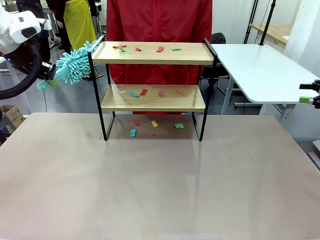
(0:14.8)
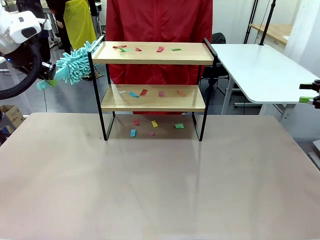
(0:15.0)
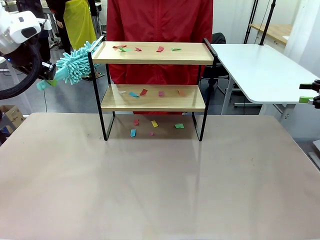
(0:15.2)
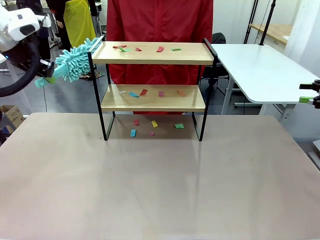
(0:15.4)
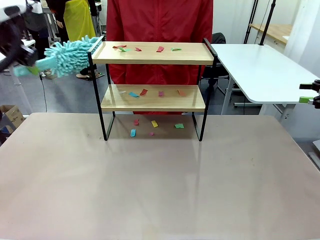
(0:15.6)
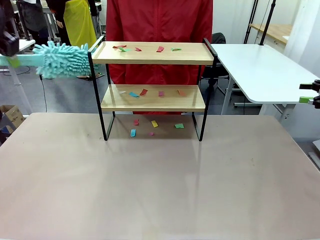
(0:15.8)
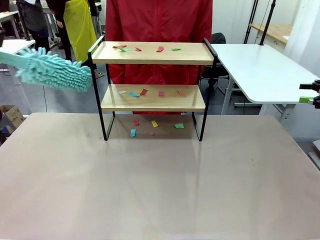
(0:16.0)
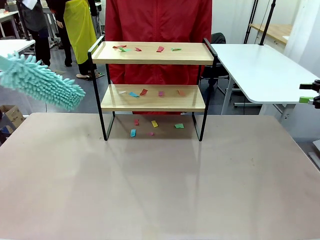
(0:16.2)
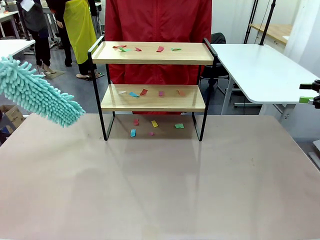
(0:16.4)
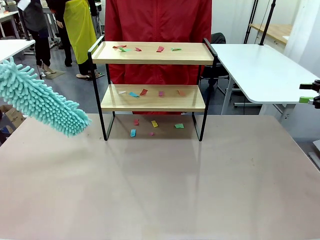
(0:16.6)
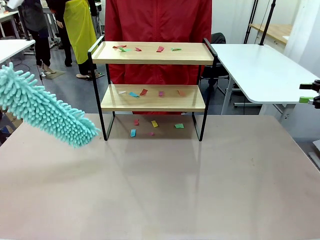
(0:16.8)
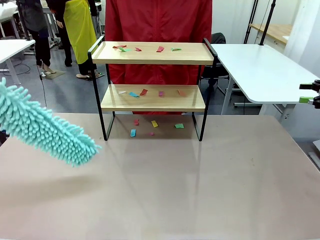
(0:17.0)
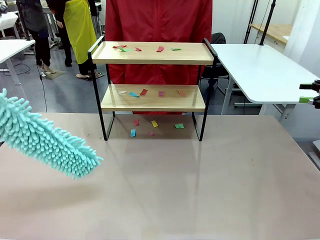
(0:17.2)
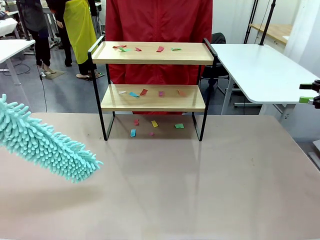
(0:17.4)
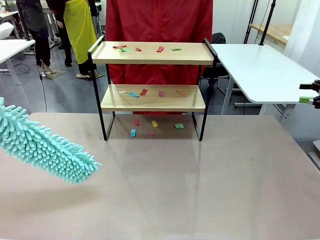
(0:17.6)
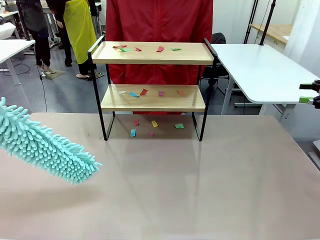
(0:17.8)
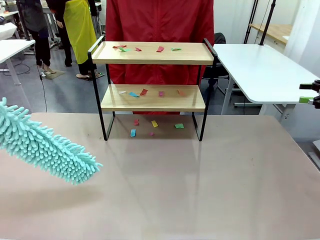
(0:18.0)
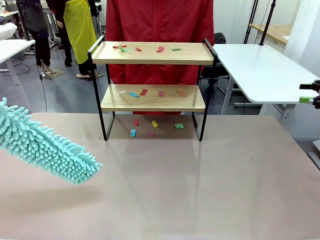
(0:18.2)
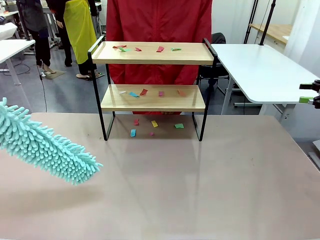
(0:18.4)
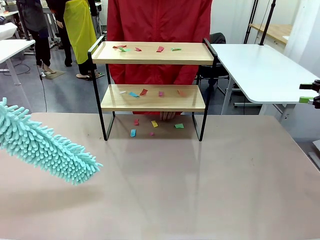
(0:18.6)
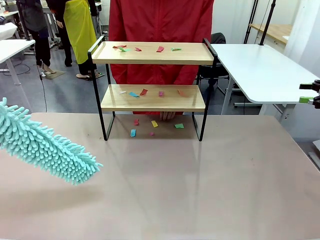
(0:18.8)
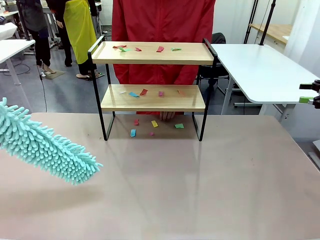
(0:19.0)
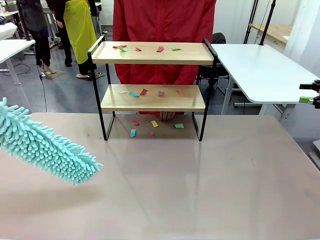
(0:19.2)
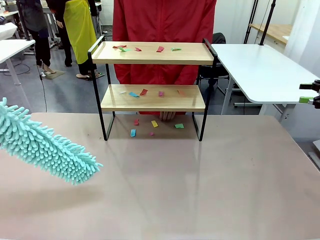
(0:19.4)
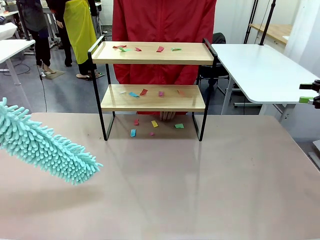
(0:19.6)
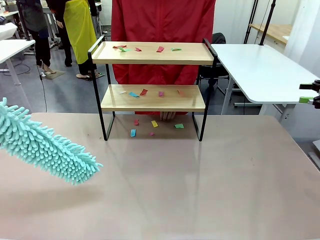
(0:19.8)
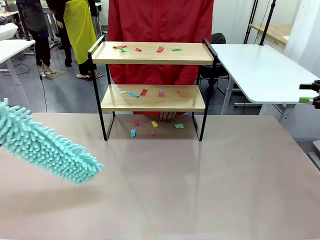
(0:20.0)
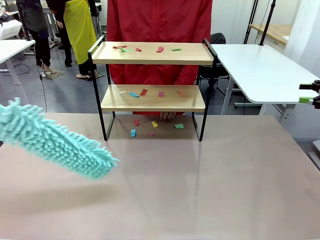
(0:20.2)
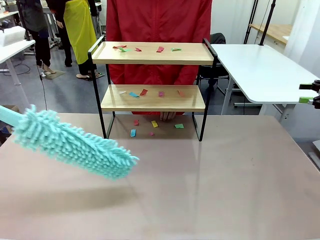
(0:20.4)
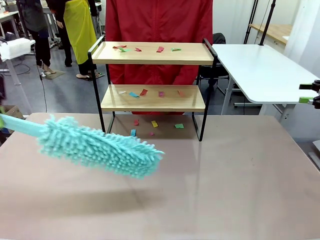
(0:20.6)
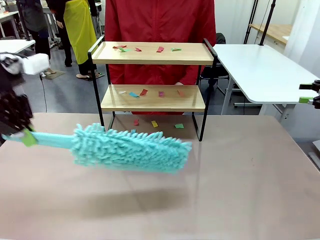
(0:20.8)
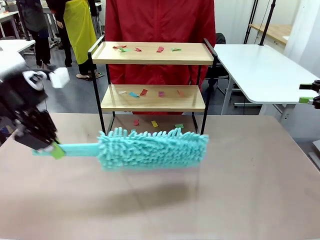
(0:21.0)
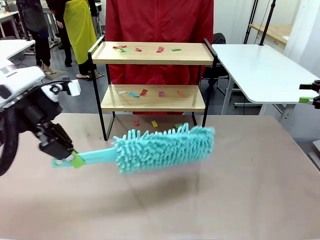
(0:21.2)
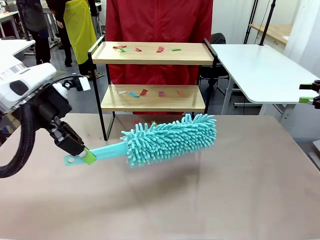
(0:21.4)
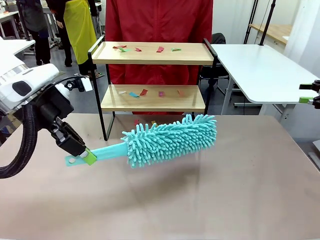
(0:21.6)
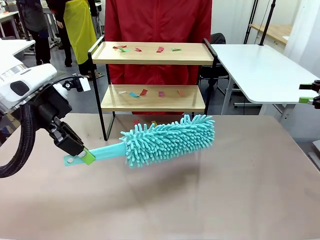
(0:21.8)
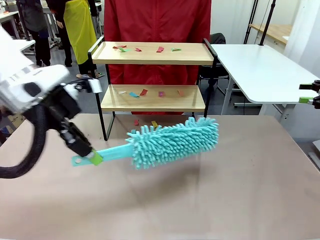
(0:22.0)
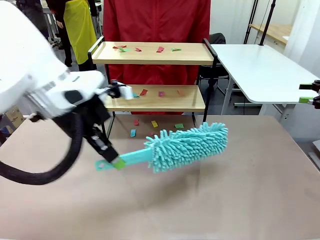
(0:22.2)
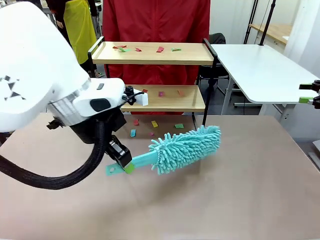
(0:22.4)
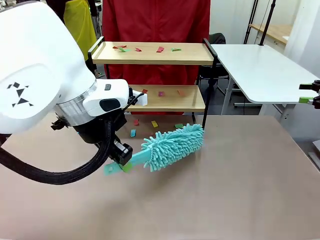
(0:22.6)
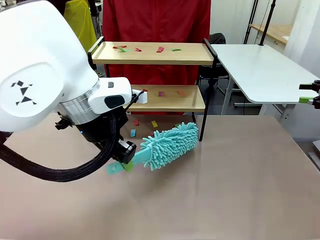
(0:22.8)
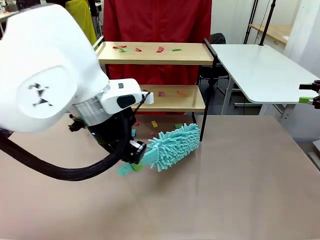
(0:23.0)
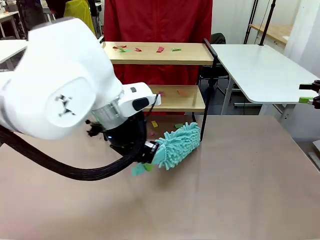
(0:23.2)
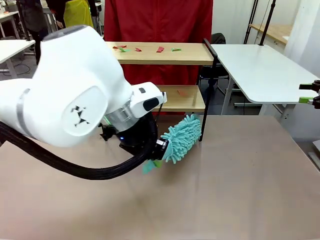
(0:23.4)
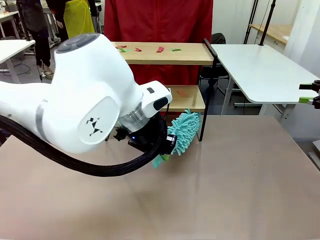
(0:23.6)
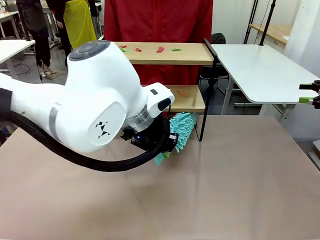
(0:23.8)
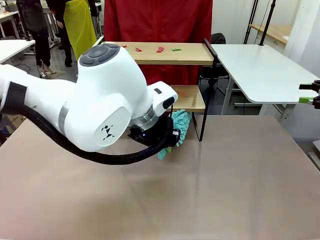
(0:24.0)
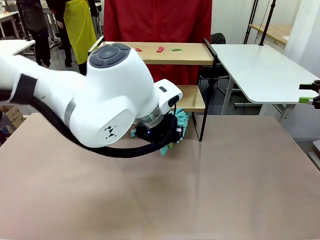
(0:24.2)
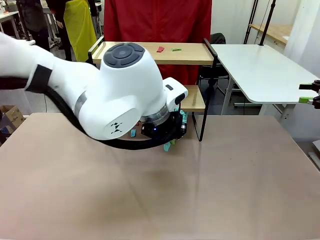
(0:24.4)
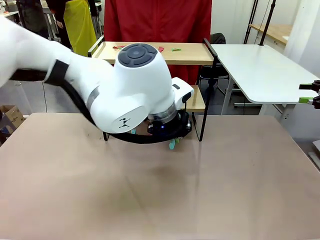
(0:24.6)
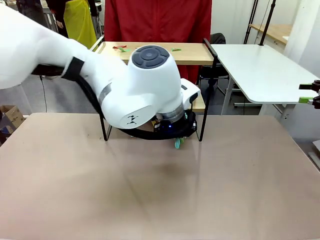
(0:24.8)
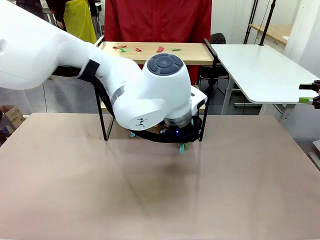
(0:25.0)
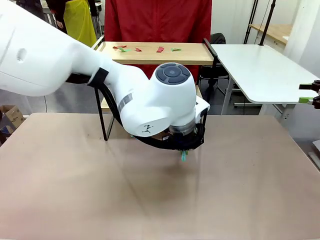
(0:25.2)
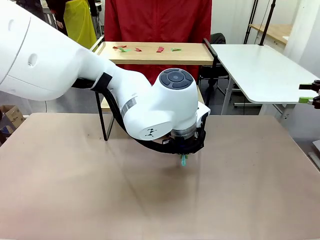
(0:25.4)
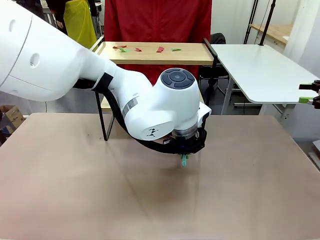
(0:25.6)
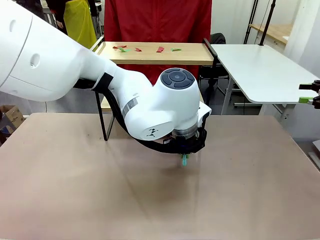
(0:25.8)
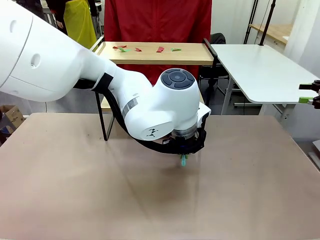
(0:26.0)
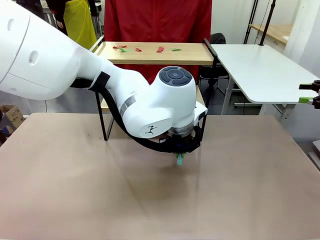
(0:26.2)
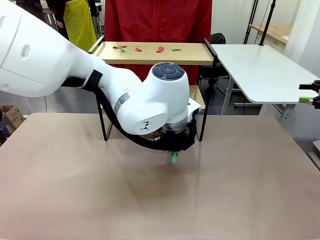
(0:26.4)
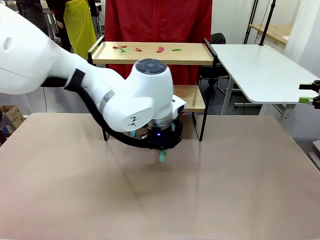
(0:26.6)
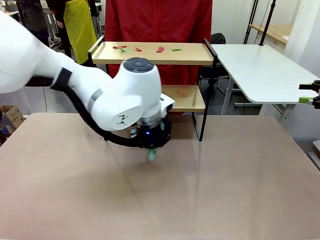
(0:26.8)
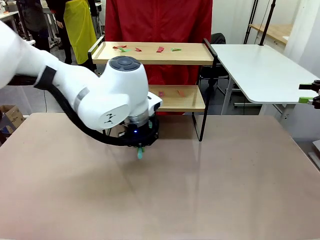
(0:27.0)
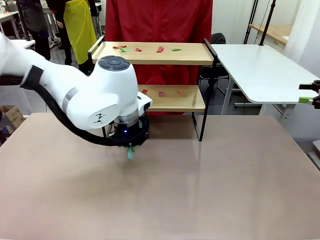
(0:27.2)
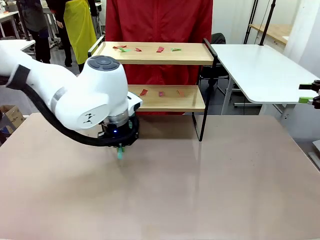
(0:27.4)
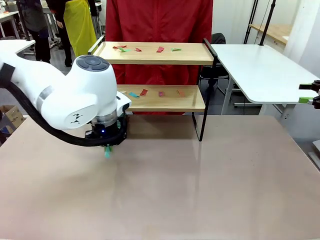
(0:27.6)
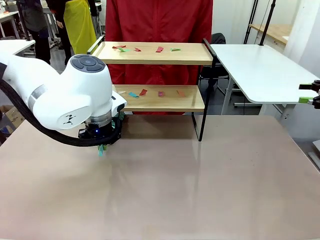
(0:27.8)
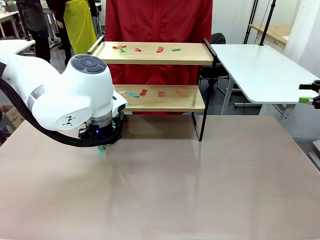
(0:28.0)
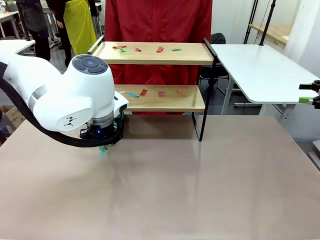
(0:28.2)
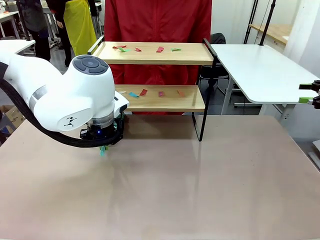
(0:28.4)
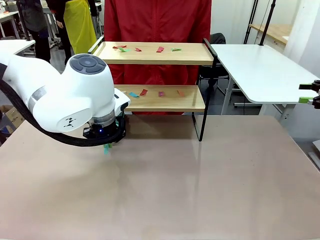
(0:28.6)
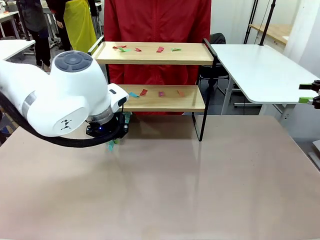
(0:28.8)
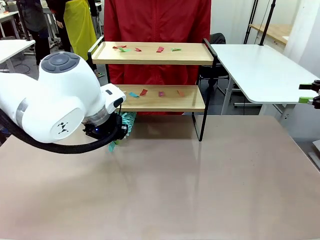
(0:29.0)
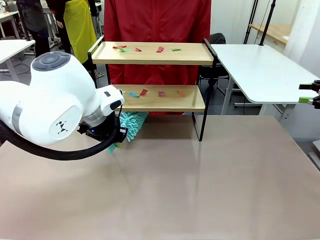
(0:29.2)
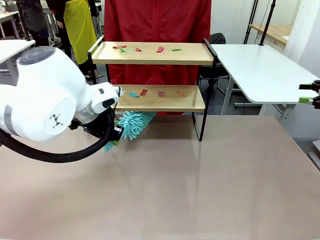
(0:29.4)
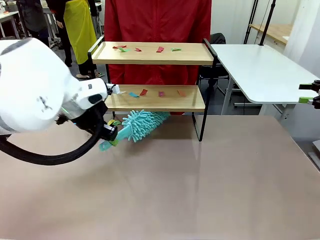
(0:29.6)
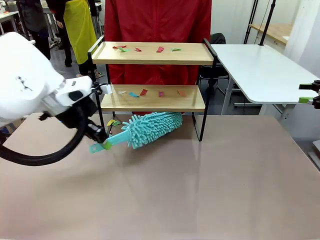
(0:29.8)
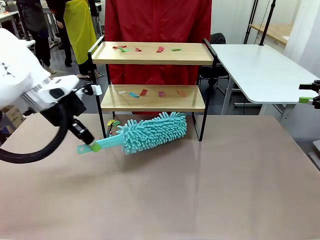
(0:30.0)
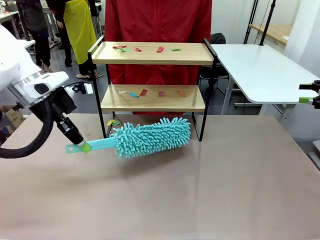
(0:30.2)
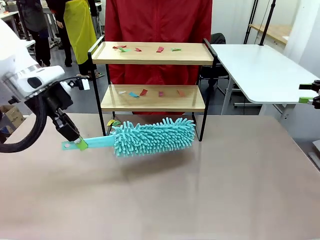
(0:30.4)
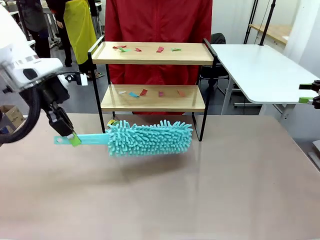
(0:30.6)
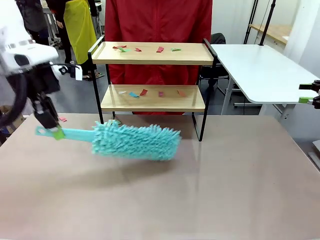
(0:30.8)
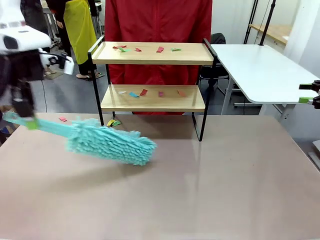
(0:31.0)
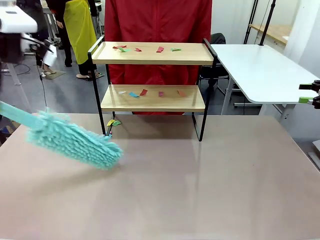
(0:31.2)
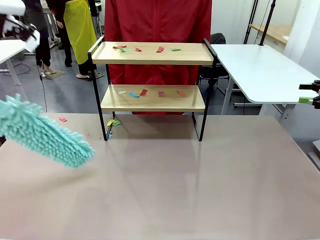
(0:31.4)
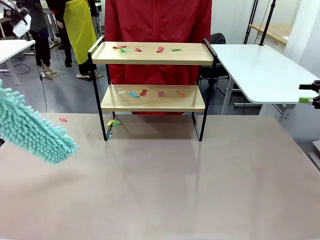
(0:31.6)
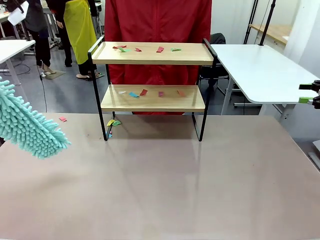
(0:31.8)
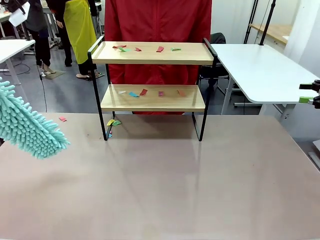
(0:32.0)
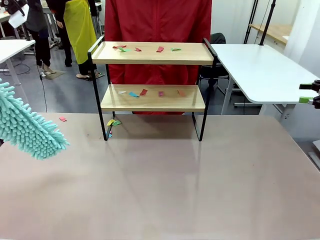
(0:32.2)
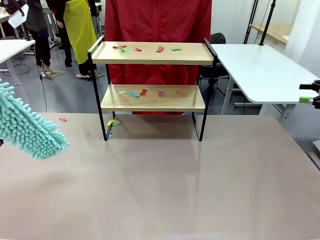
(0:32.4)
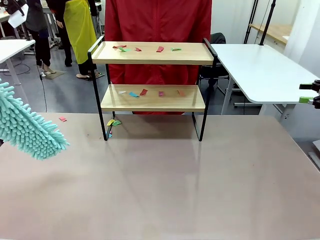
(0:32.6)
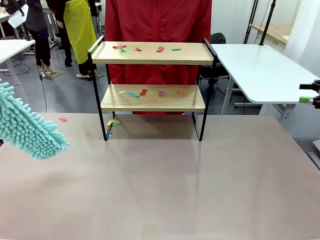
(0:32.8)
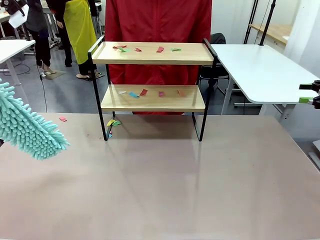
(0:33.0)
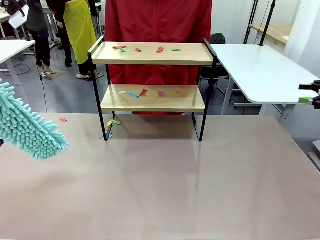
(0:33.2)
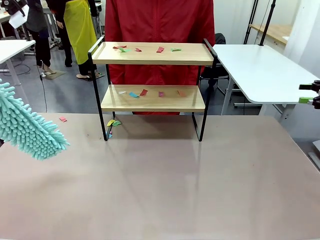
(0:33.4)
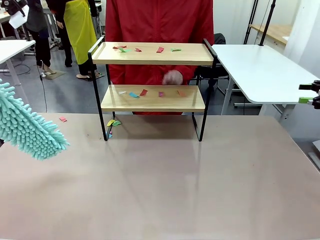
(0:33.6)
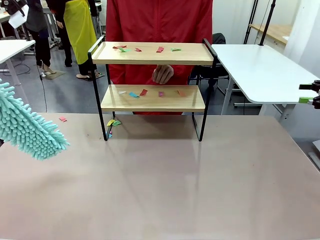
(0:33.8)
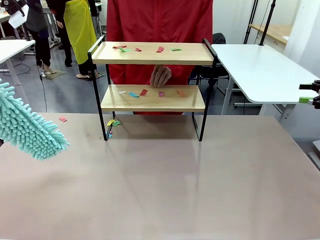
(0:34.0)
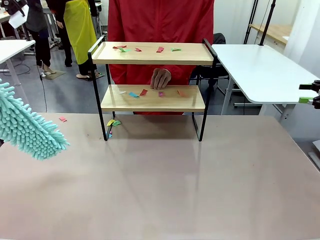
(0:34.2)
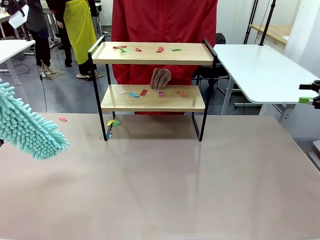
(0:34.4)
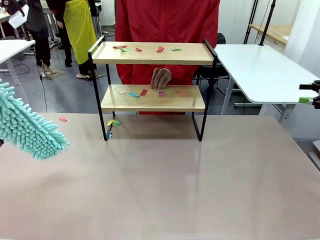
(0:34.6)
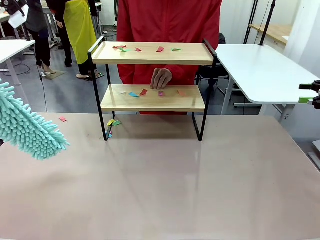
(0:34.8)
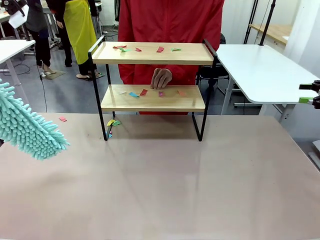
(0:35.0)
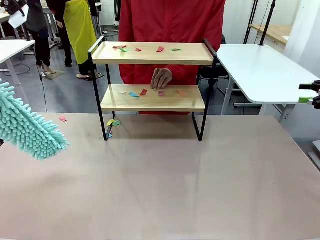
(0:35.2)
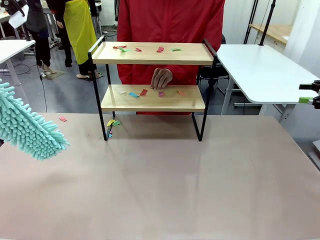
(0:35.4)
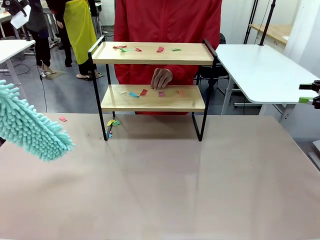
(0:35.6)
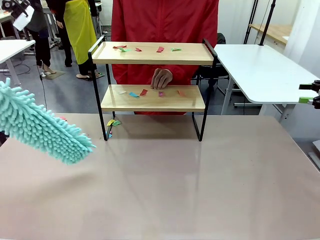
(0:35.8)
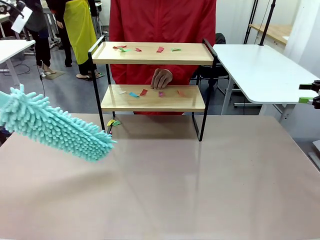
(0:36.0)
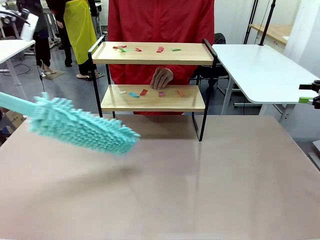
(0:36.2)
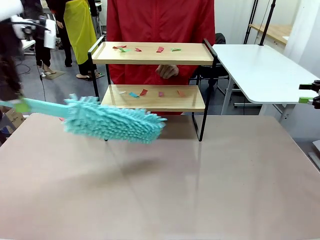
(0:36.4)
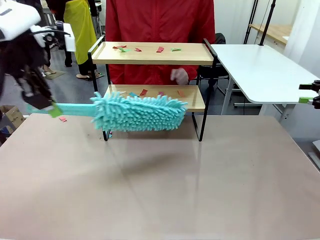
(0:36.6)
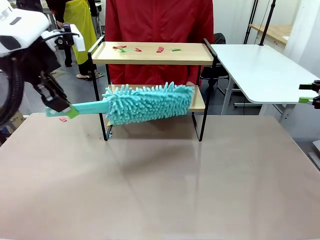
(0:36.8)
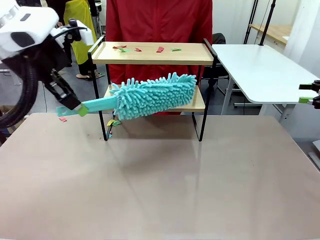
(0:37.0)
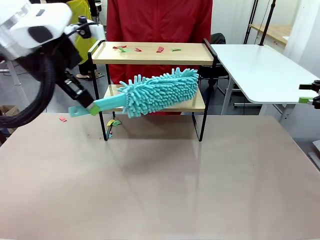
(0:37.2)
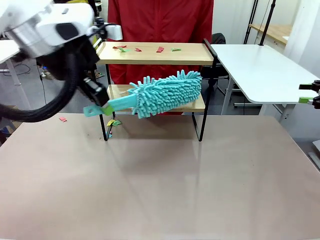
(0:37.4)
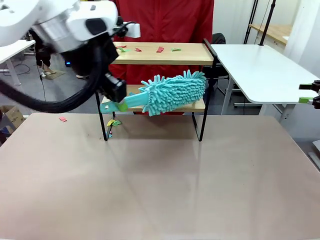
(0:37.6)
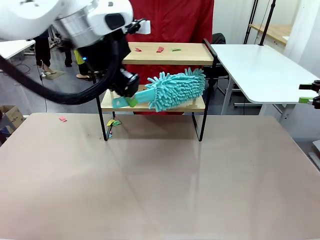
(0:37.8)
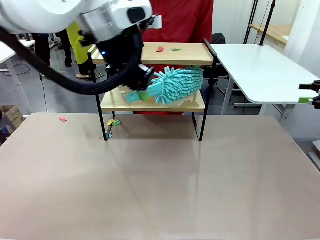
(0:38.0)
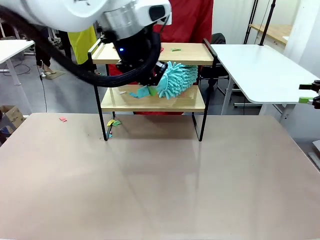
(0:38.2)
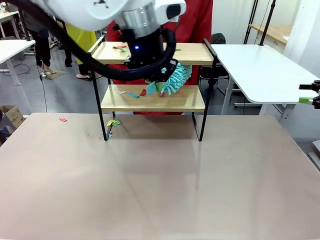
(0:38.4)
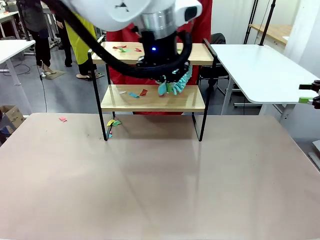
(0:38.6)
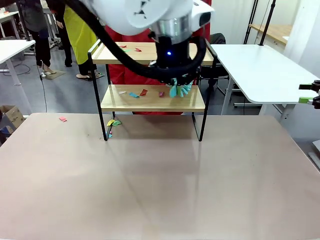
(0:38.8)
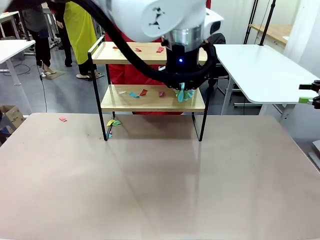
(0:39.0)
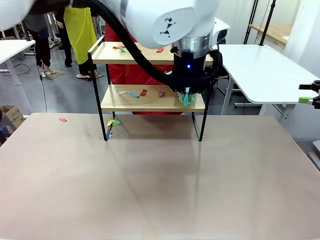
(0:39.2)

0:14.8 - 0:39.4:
Task: Clean the shelf.
Robot: Clean the specific section of the Shelf indicated by the human with the Duster.
Person: Point a random section of the Shelf.
